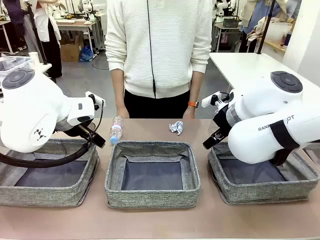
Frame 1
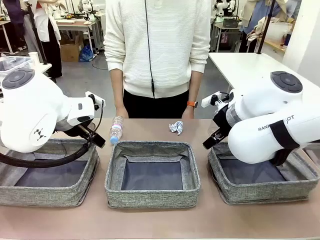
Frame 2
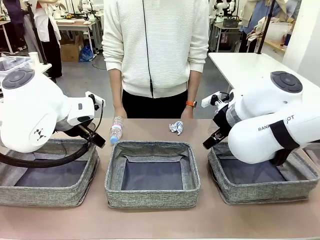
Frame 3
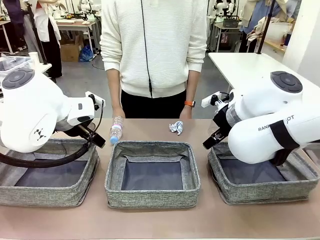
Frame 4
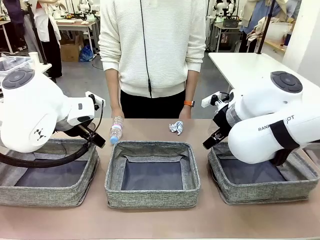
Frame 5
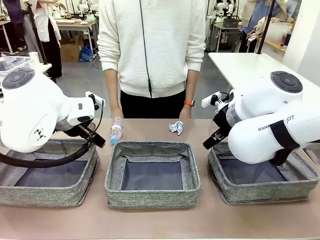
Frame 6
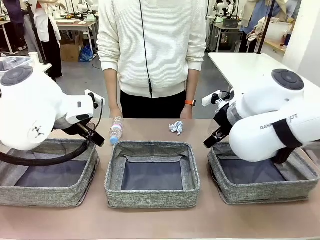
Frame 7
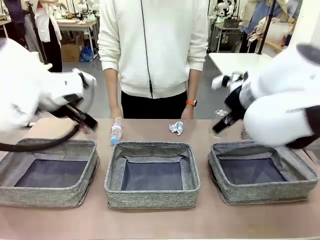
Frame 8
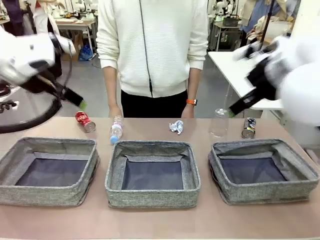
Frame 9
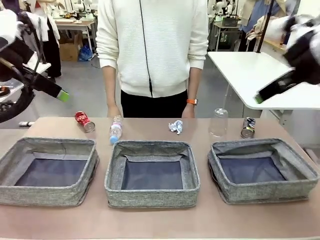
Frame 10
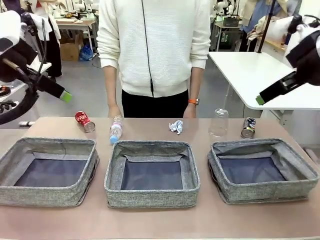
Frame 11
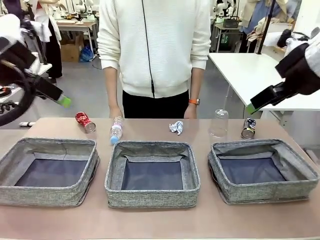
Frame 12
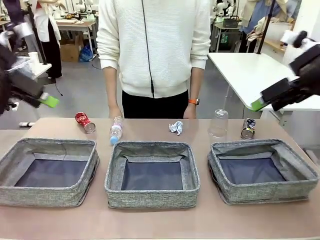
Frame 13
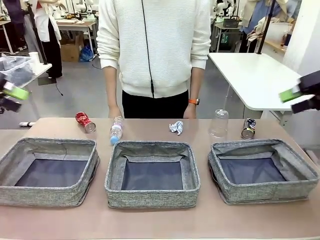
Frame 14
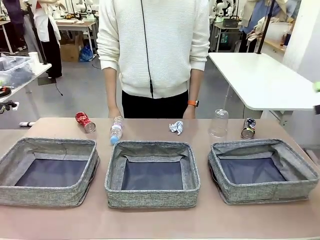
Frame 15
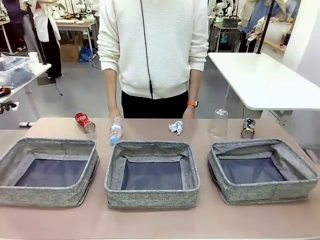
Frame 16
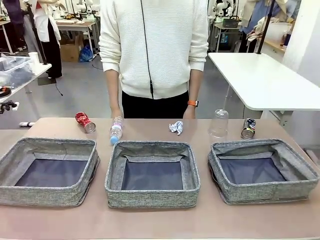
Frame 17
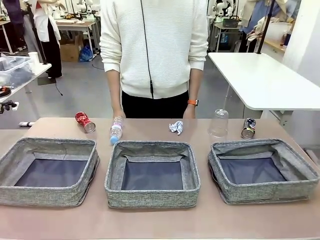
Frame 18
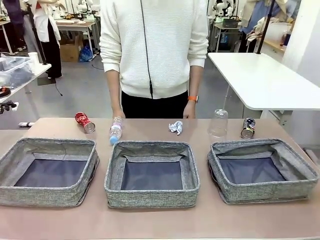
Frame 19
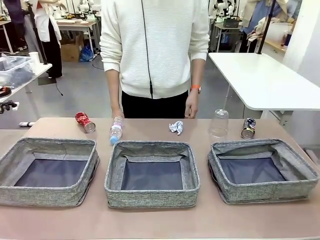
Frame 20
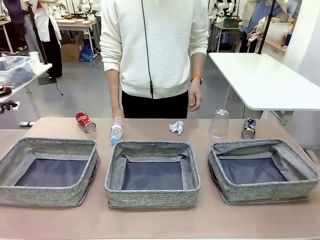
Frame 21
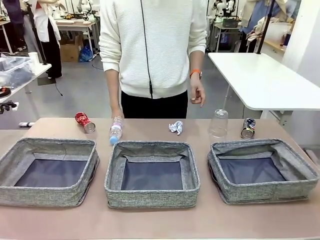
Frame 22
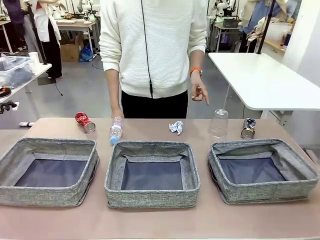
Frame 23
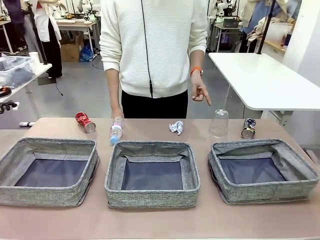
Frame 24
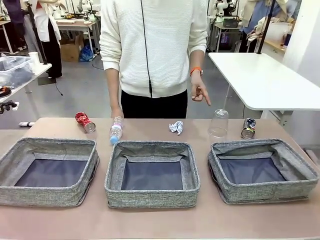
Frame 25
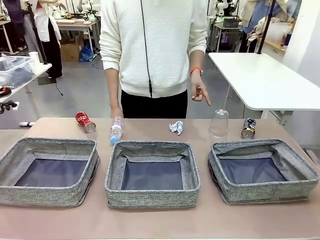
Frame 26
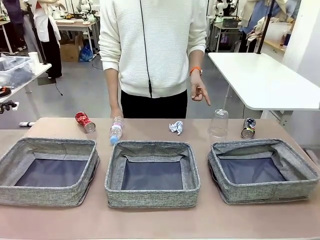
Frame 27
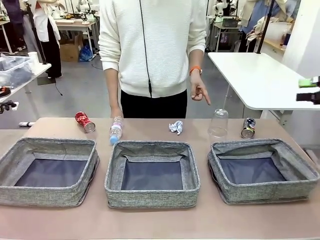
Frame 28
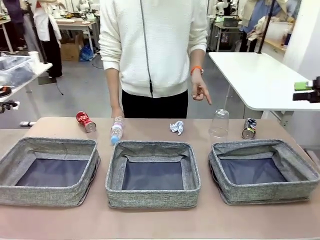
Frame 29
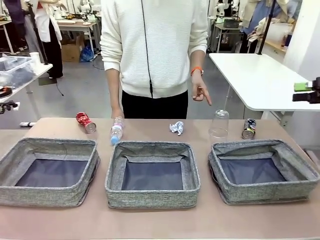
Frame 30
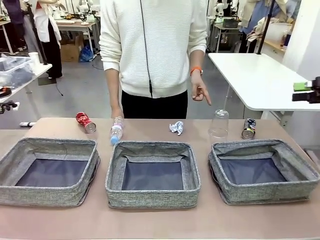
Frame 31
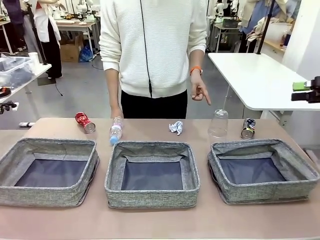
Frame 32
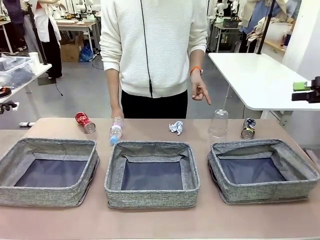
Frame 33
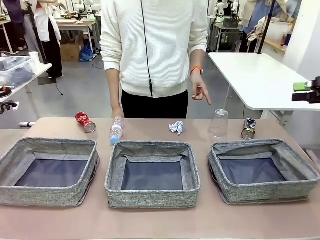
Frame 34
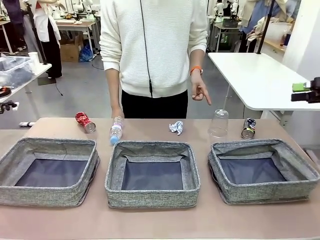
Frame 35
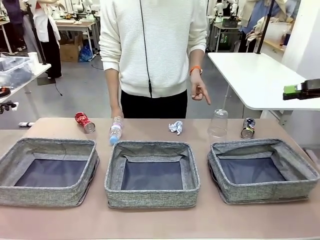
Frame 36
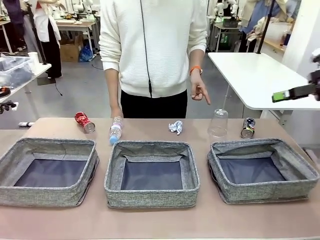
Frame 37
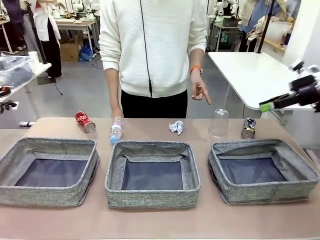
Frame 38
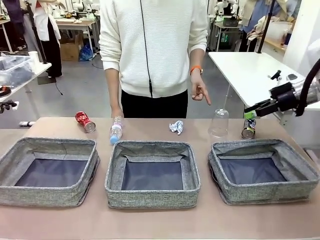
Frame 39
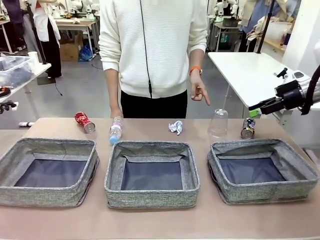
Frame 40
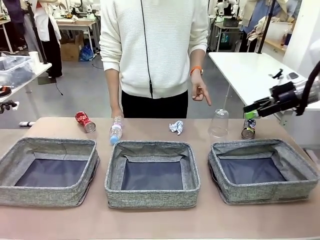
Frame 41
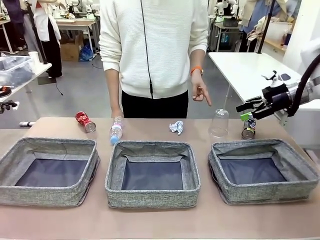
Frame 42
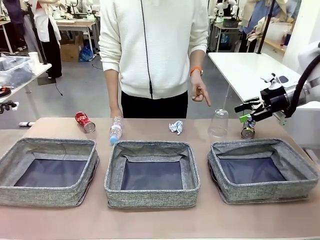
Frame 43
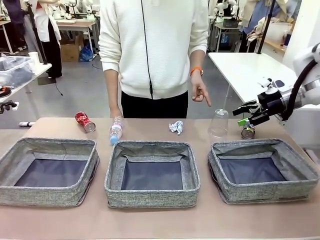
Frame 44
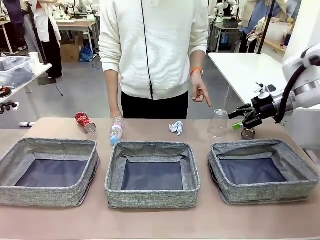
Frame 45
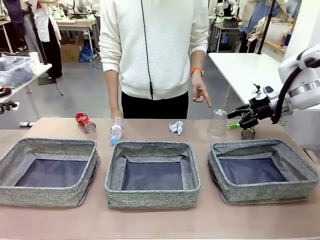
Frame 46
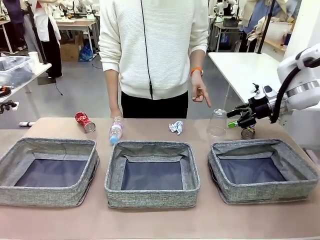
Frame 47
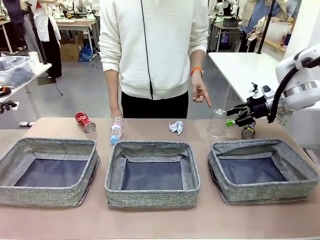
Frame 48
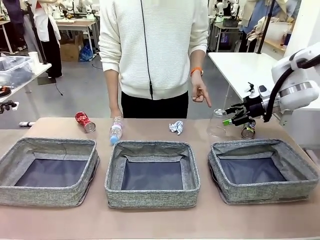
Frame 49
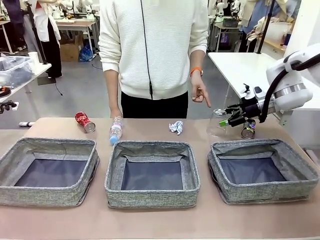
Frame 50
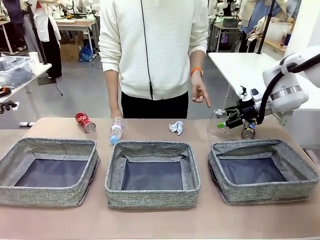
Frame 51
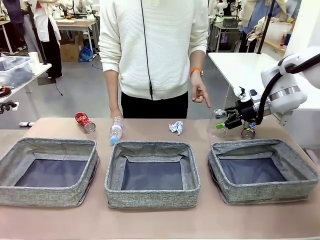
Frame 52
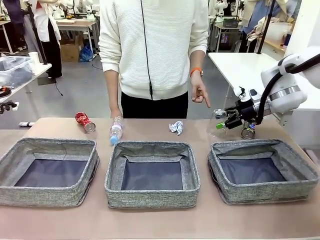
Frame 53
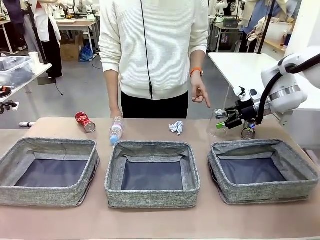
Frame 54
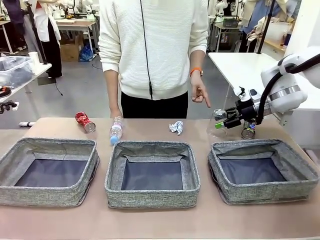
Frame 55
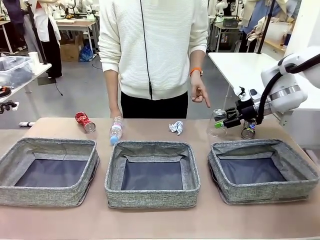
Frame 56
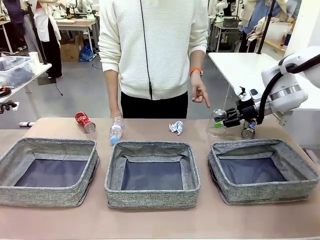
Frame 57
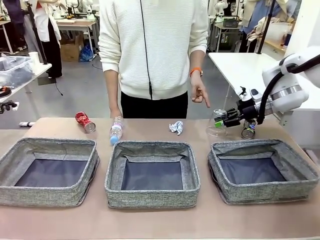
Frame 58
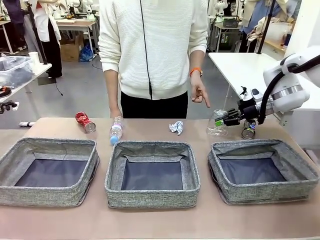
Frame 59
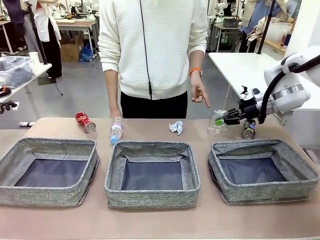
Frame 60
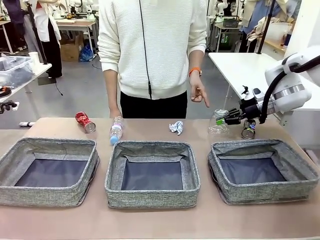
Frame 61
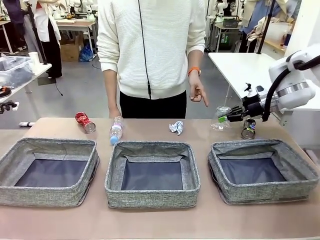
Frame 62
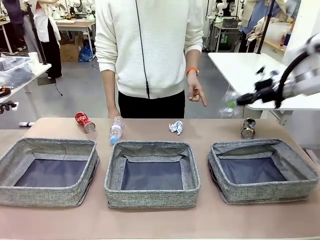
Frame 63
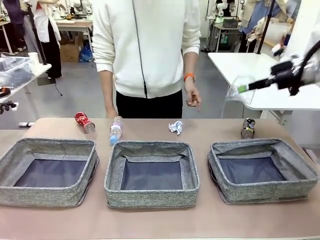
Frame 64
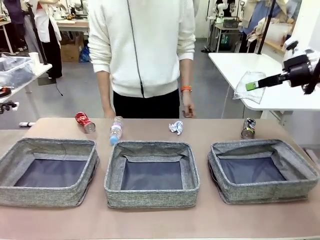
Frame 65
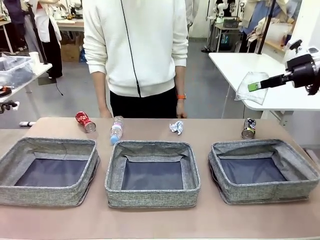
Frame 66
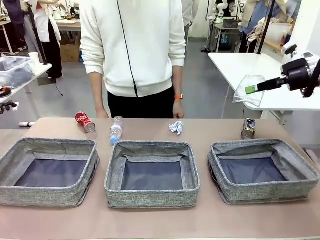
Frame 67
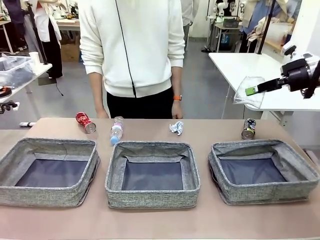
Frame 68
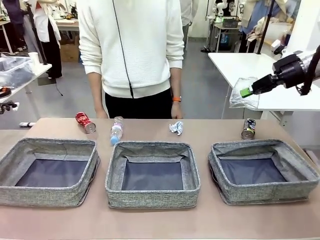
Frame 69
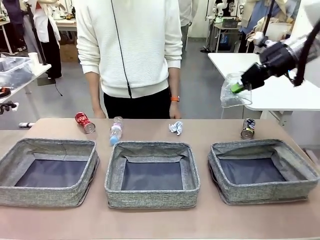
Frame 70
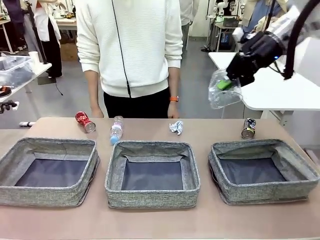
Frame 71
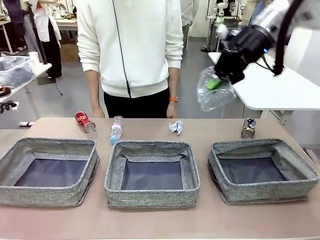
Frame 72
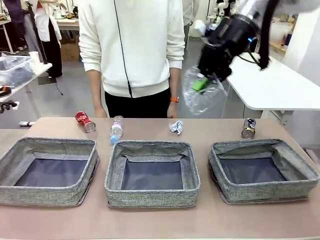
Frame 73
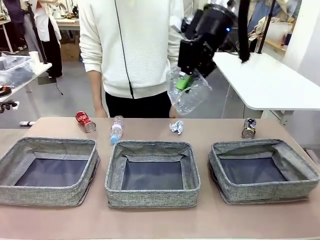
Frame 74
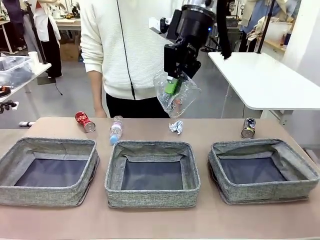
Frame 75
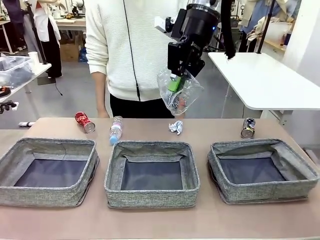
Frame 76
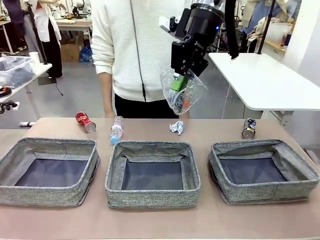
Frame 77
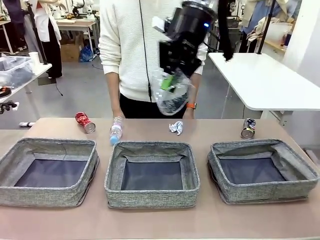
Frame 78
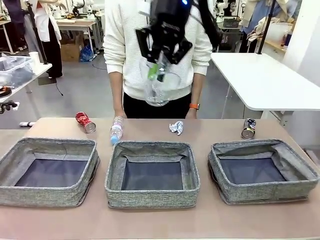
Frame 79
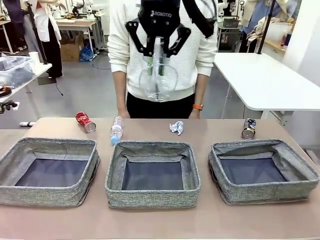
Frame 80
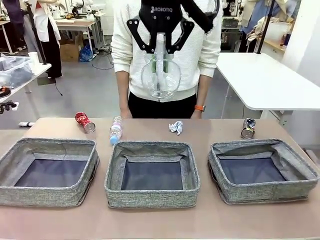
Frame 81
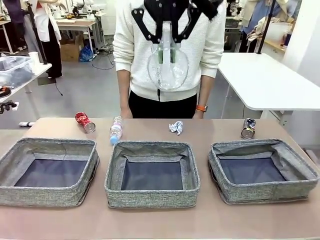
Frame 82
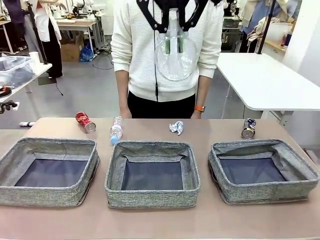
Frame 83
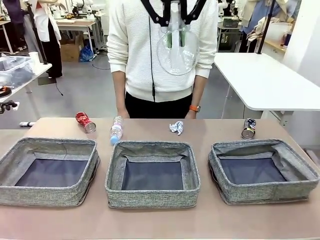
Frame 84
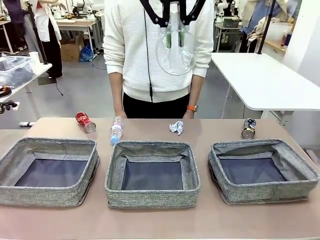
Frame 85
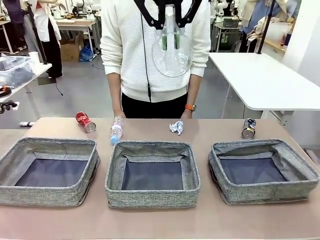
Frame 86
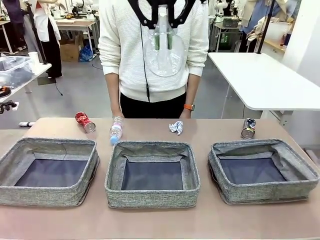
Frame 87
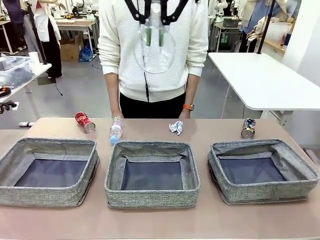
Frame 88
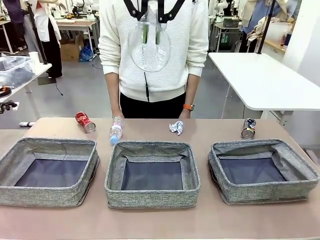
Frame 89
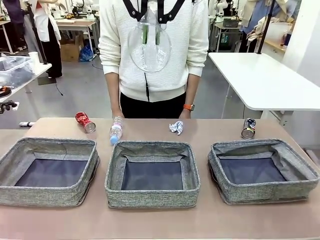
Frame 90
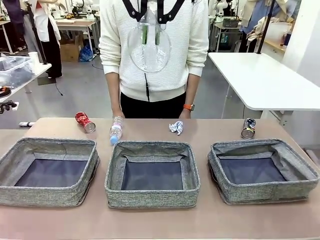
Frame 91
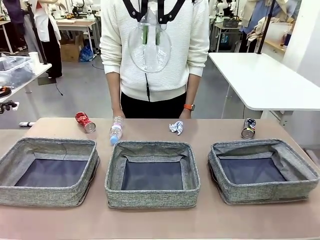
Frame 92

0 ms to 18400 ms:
Task: Sort the waste into the appropriate baskets.
Robot: Pick up the waste item pointed out by the person.
Person: Points to one piece of trash on the table.
